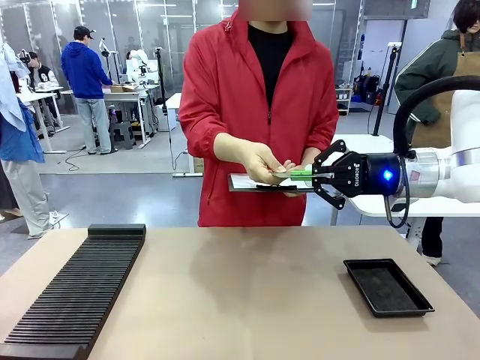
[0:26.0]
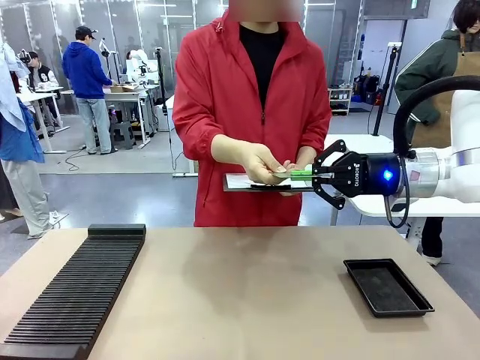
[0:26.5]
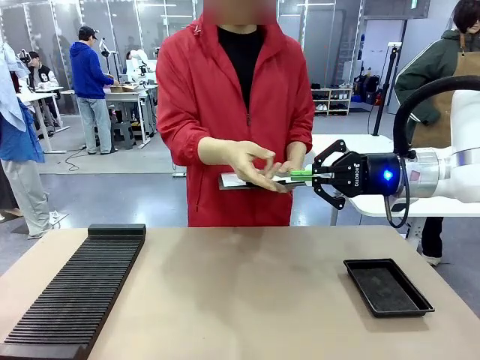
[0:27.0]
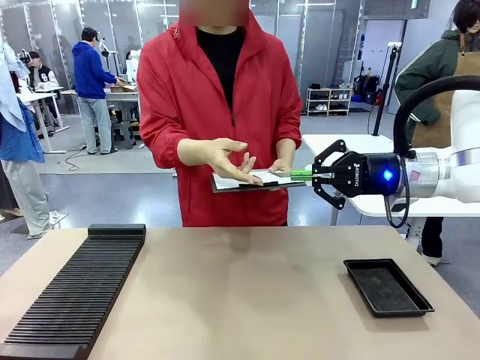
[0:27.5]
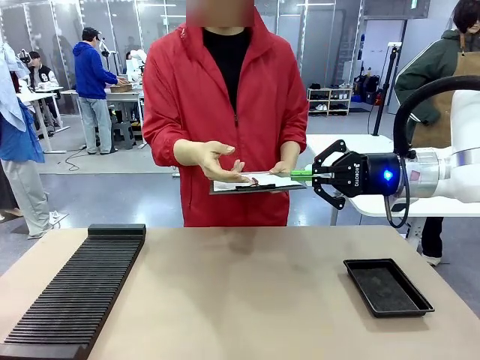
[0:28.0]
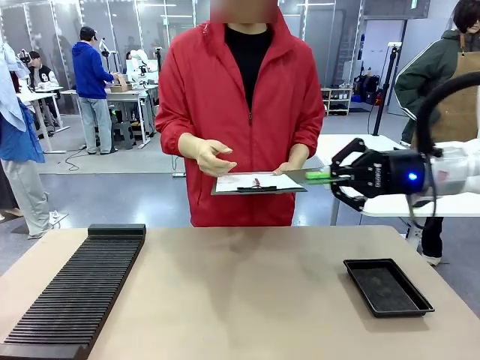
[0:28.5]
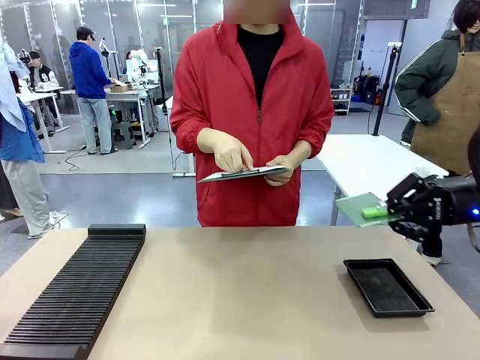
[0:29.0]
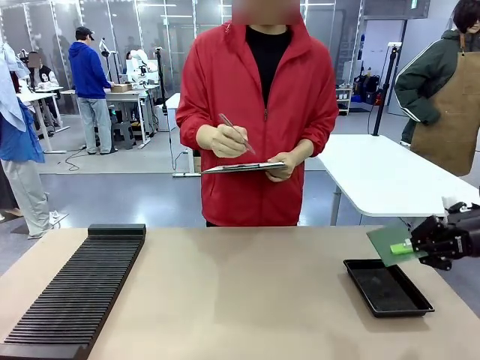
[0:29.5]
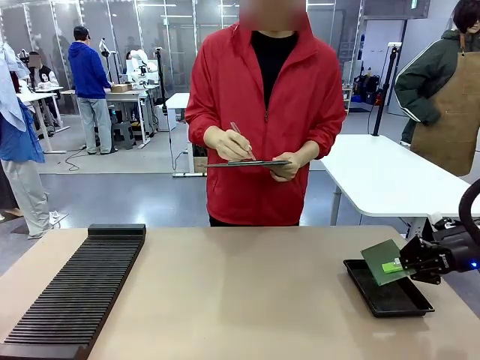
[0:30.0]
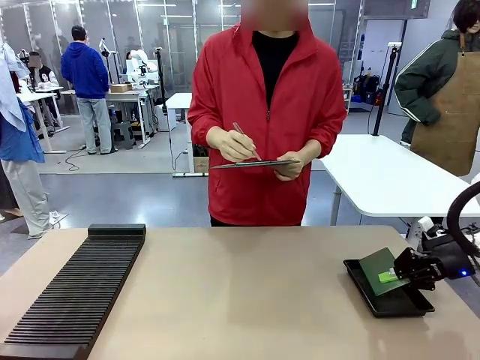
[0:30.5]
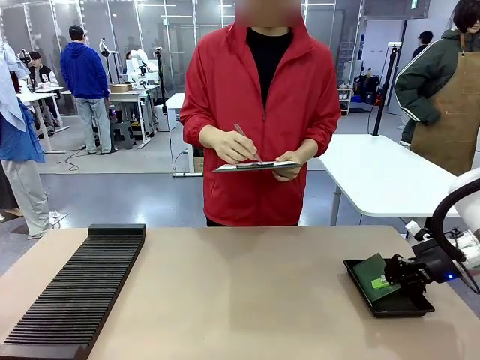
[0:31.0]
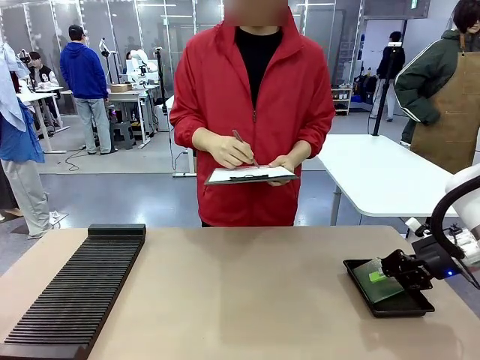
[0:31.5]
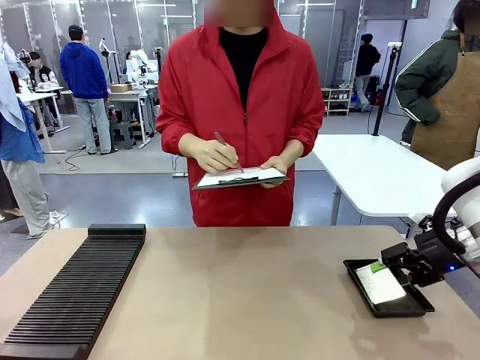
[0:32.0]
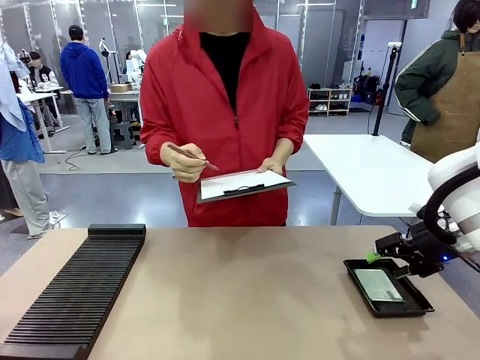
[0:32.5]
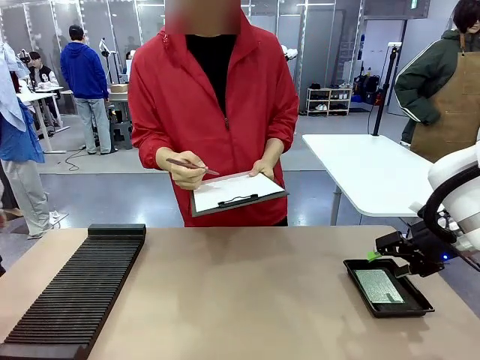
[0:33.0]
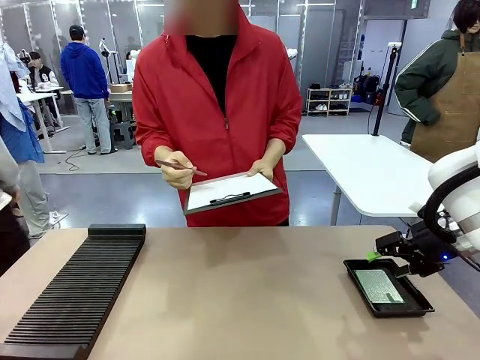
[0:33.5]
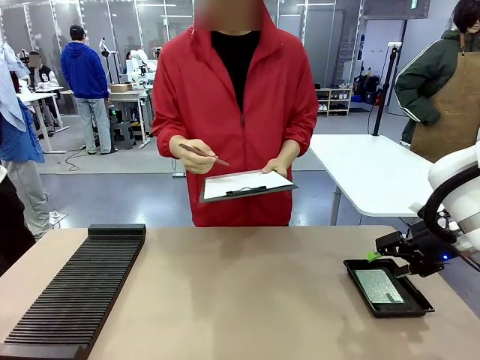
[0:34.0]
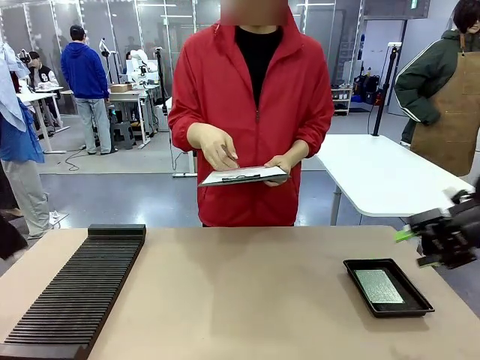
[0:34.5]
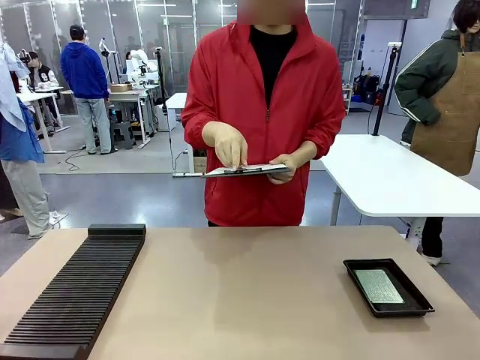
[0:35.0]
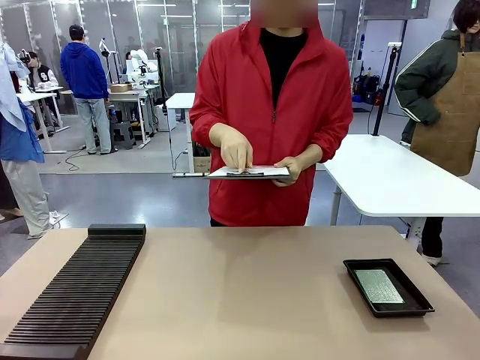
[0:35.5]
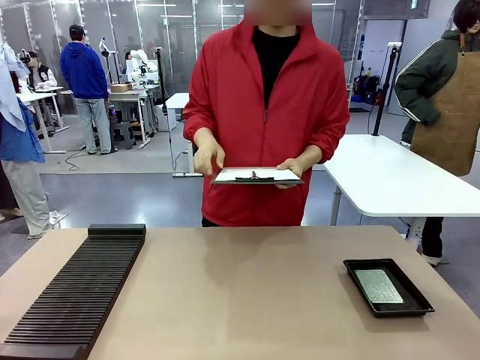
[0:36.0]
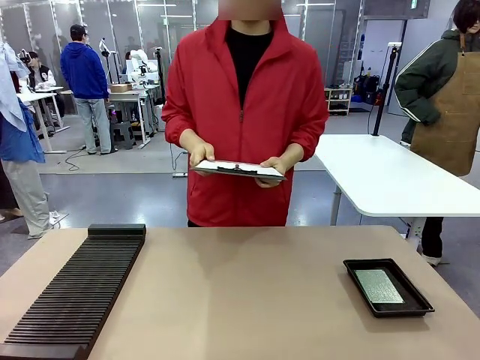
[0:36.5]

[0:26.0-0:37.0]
Task: Inspect the PCB.
Robot: Place the Blank PCB in the ESD tray.
Person: Record the PCB status on the paper.

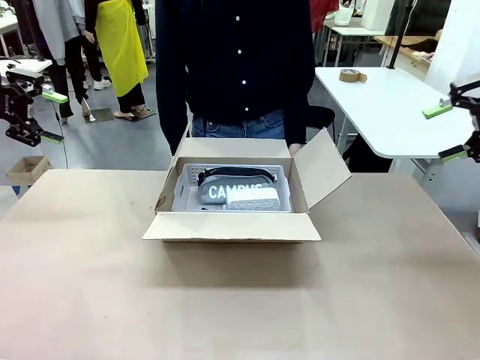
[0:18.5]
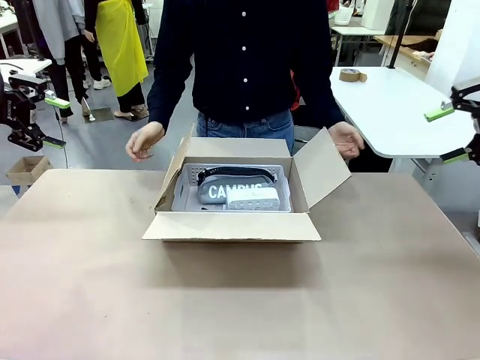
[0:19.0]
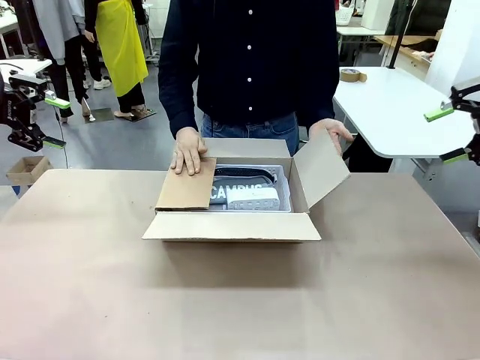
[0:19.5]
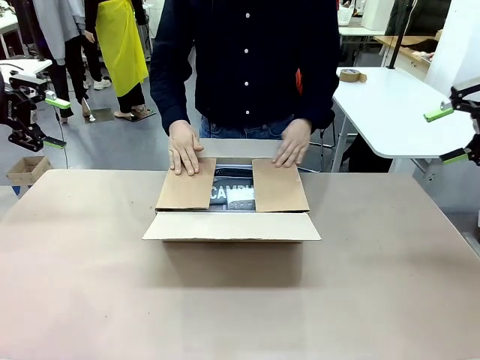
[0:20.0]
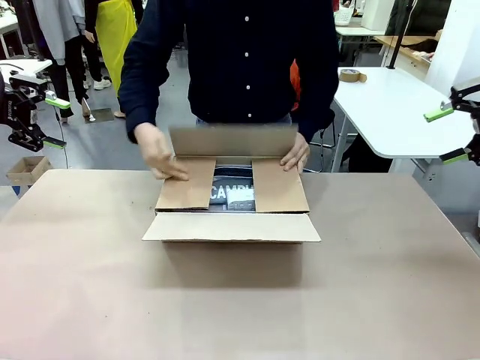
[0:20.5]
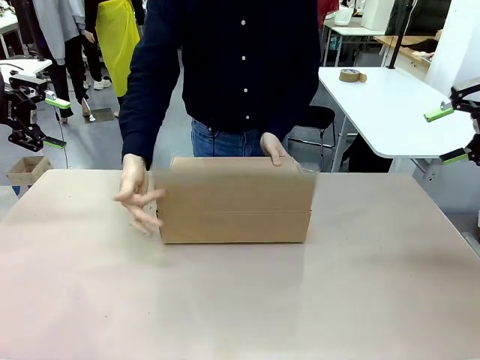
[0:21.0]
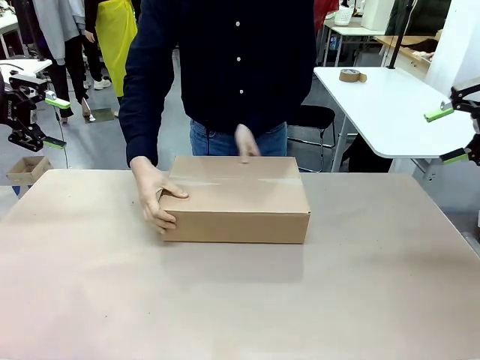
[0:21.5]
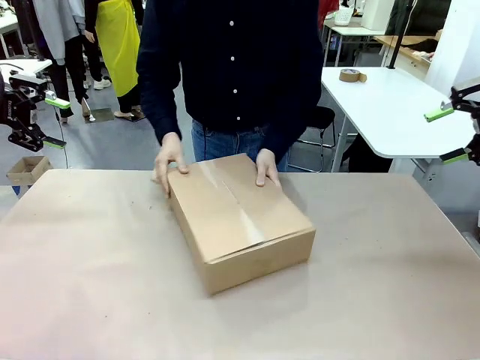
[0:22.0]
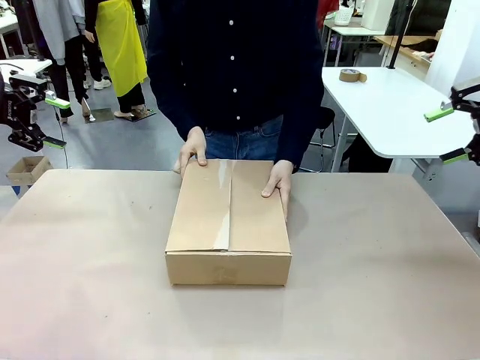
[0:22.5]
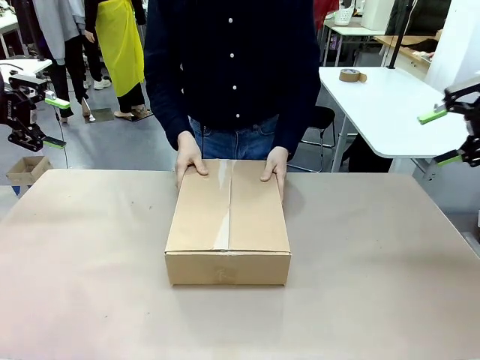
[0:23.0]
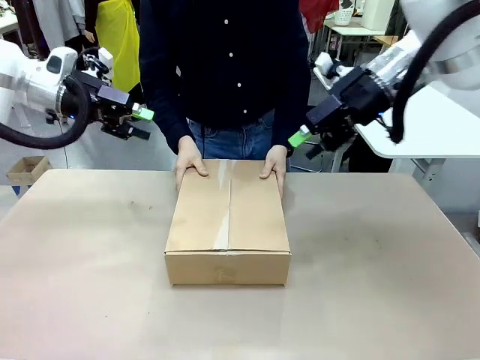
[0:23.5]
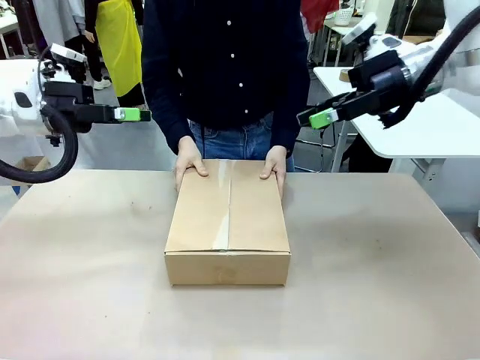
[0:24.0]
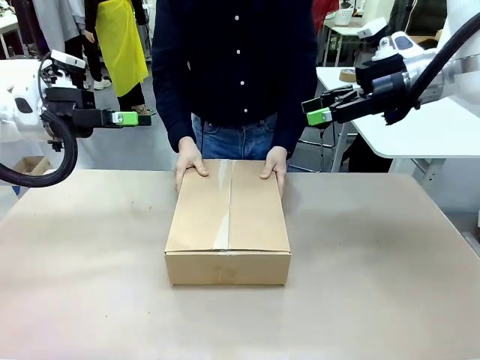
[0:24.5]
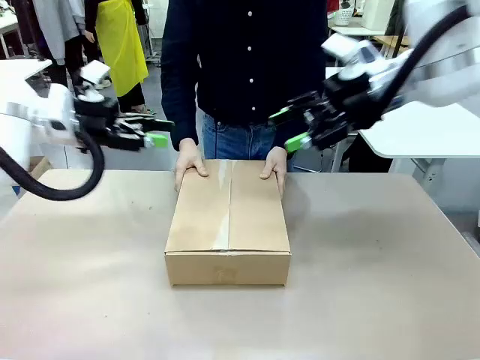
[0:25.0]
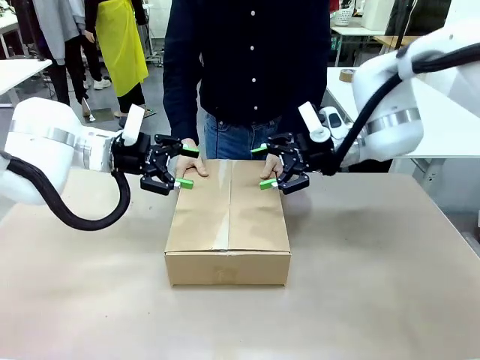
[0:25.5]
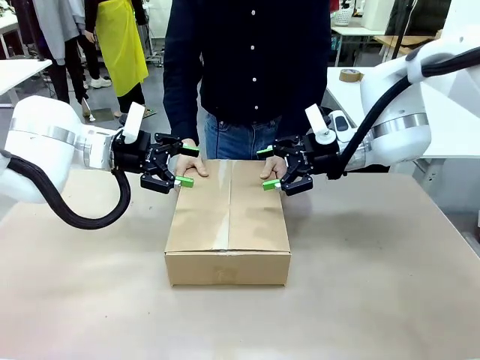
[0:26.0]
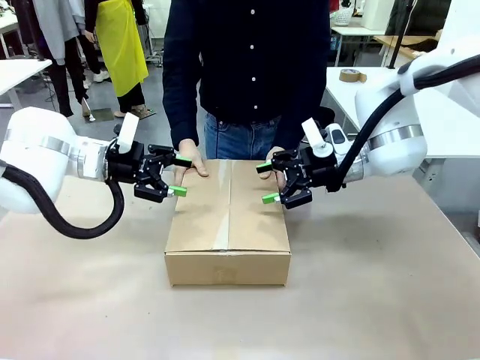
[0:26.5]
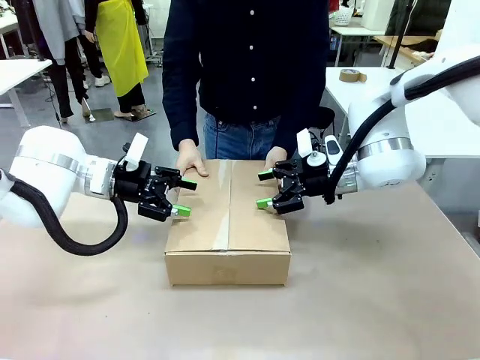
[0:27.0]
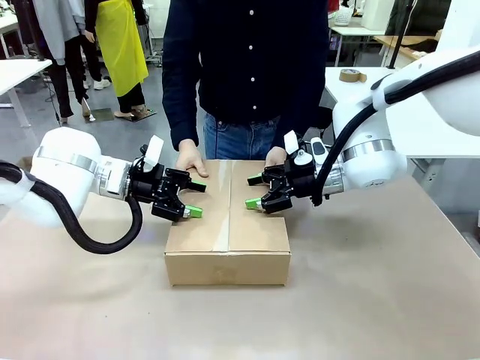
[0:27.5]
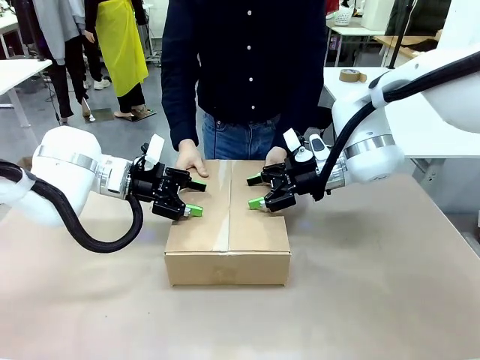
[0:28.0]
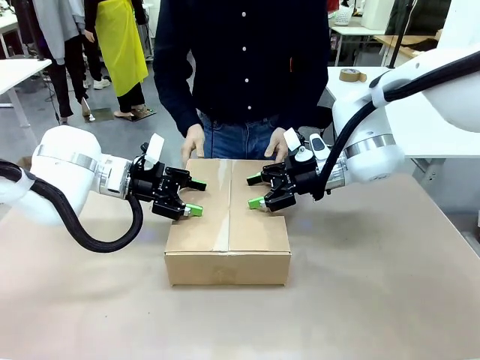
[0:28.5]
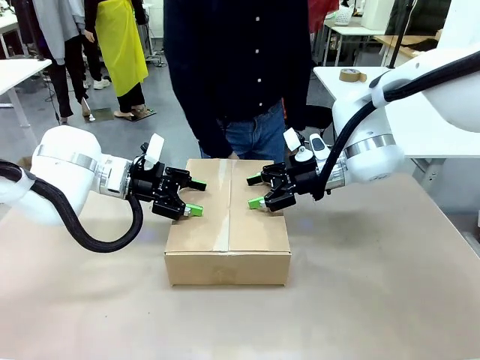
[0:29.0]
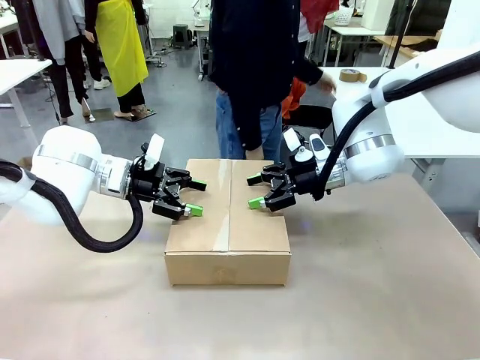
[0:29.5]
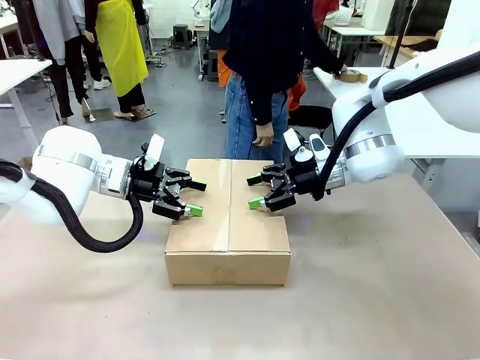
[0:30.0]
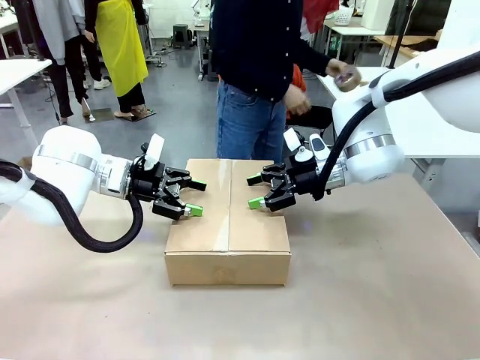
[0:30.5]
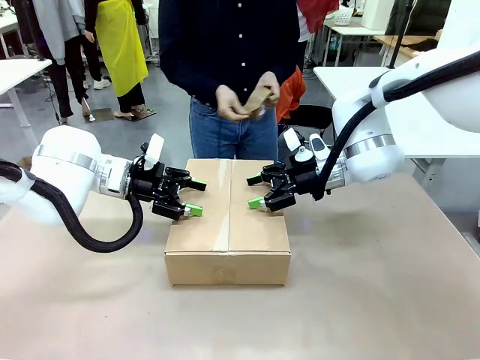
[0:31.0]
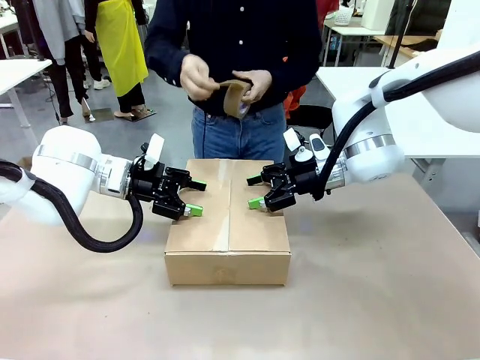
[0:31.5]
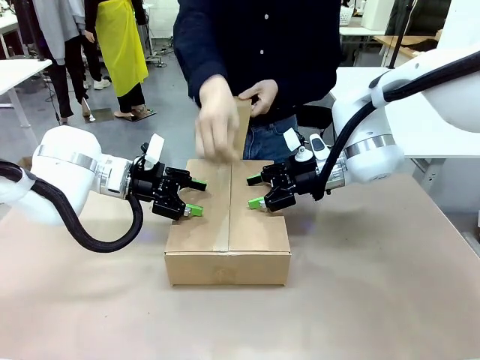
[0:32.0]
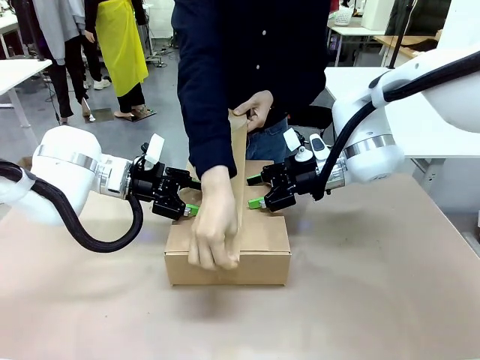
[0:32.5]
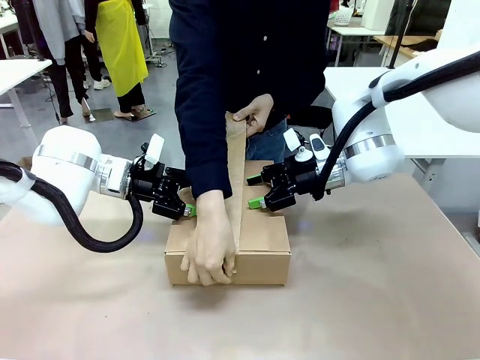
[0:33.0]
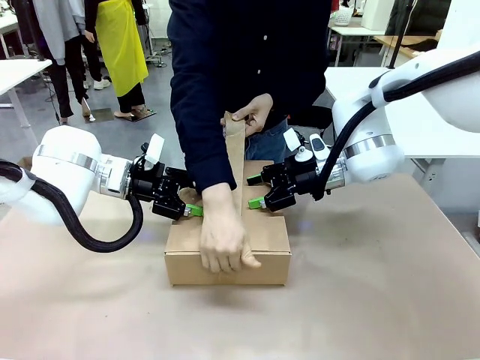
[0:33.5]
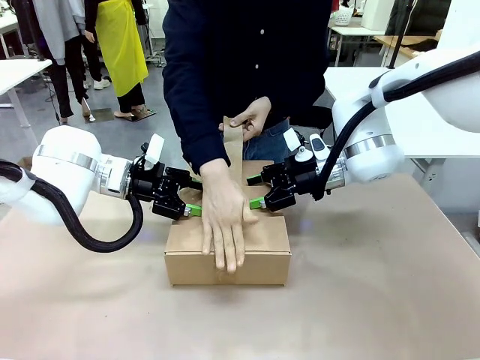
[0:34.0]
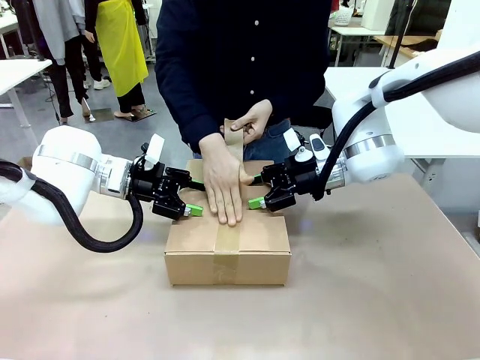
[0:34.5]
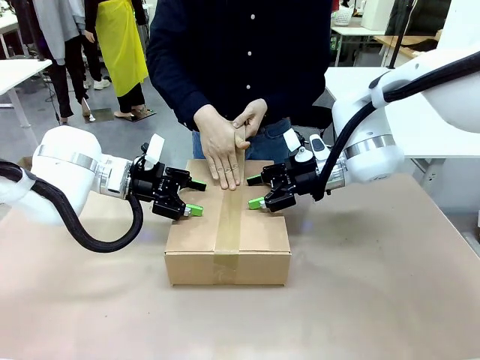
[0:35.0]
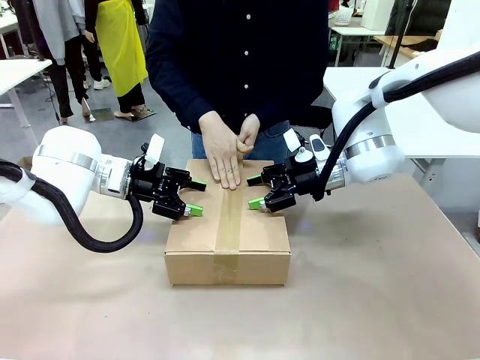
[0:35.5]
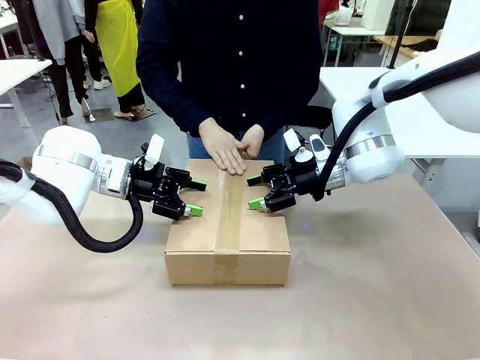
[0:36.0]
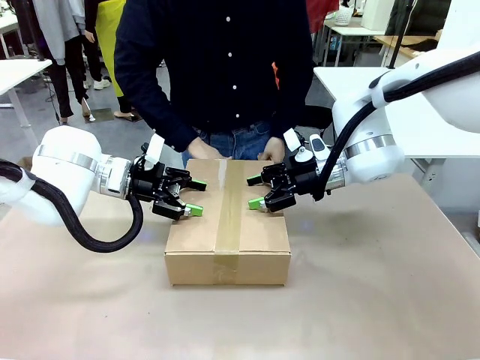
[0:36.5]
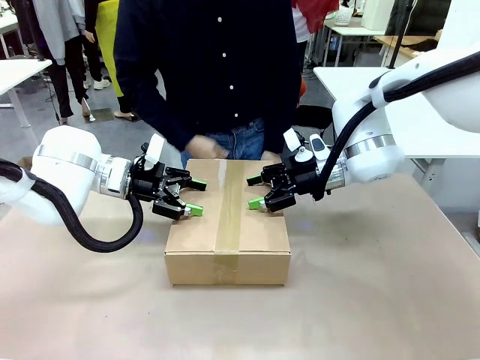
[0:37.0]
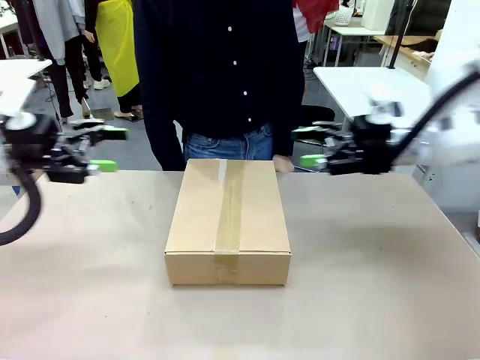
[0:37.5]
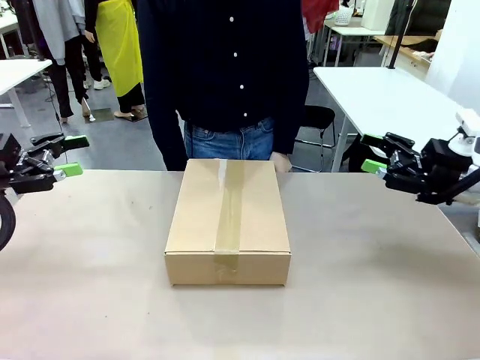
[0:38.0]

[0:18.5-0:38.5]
Task: Pack the gift set into the box.
Robot: Press and hold the closed box until the human finishes sealing it.
Person: The human closes the box and rotates the box by 90 degrees. The human picks up the paper tape from the human table and packs the box.
